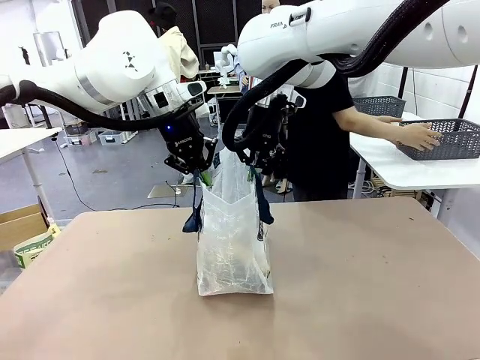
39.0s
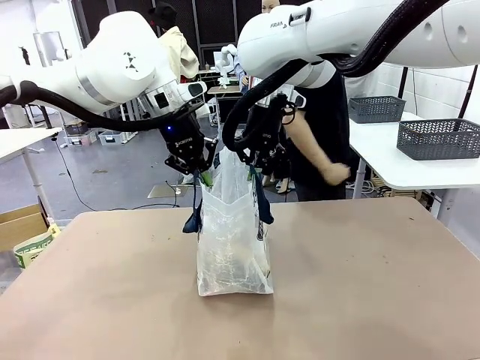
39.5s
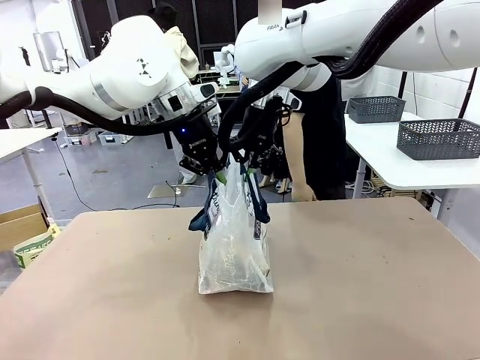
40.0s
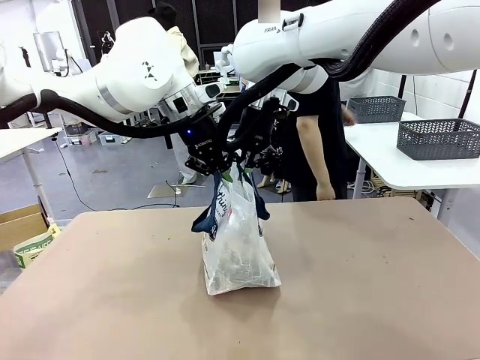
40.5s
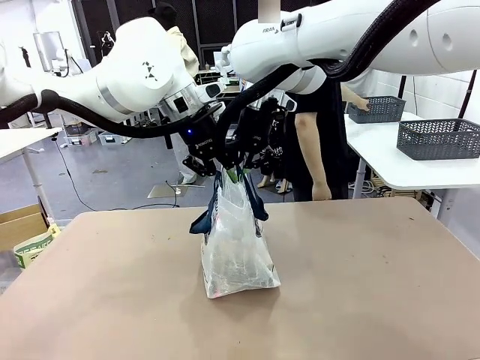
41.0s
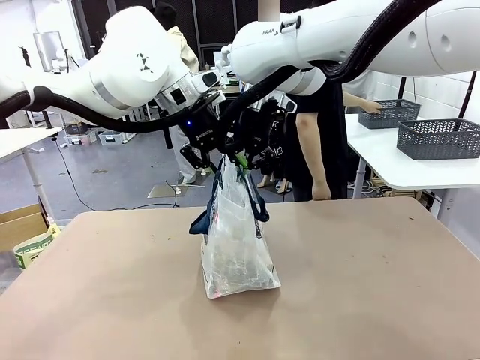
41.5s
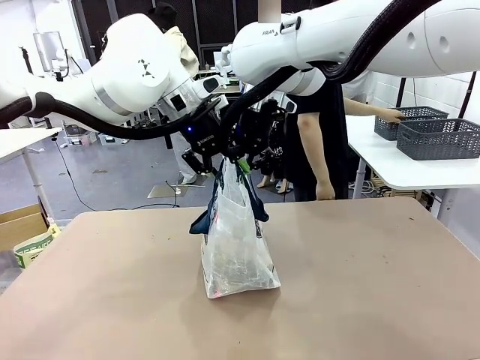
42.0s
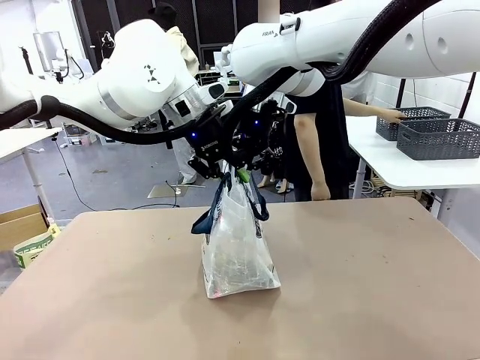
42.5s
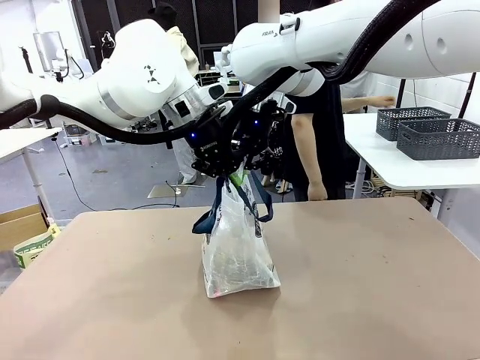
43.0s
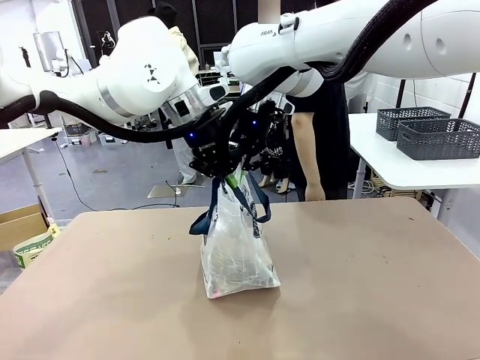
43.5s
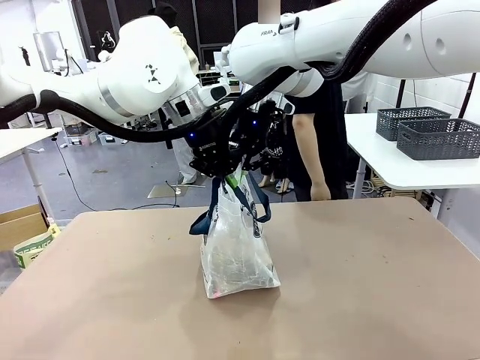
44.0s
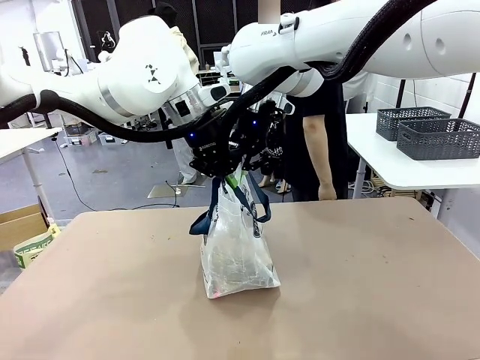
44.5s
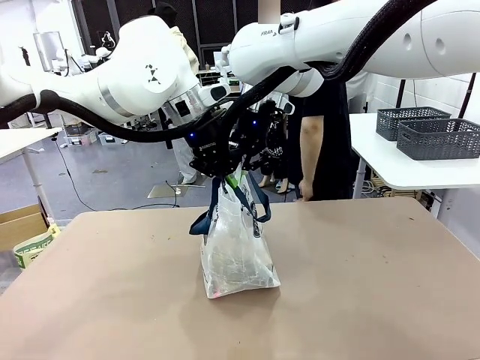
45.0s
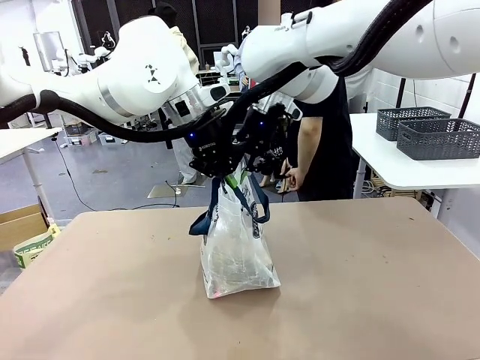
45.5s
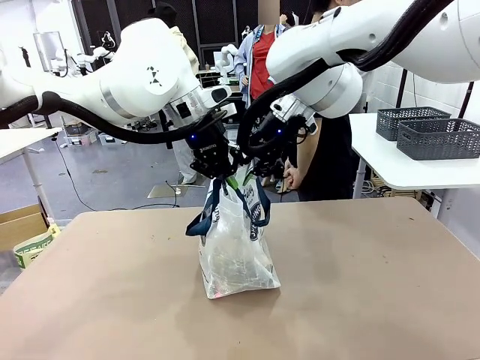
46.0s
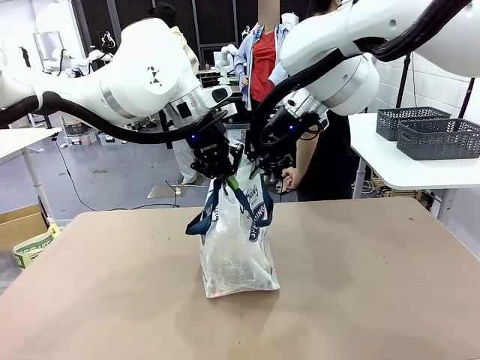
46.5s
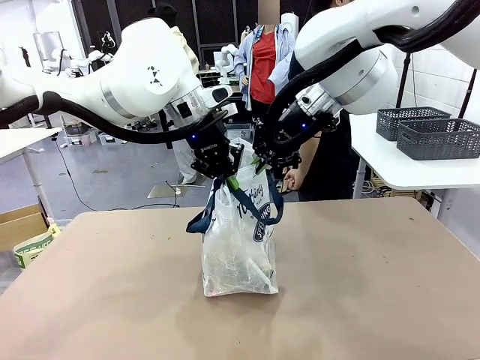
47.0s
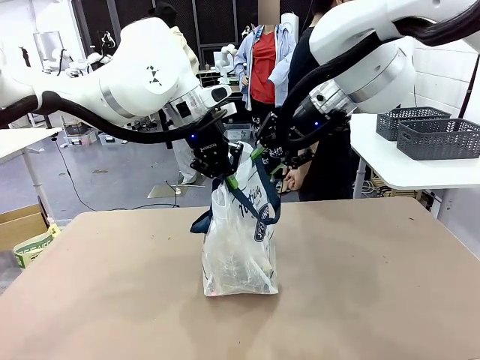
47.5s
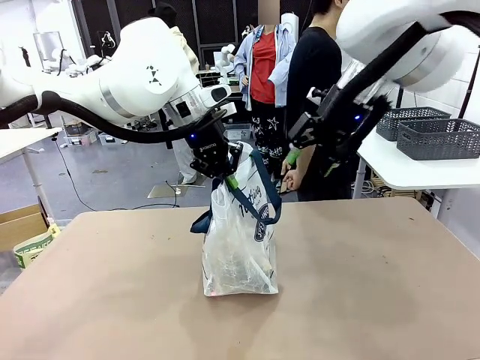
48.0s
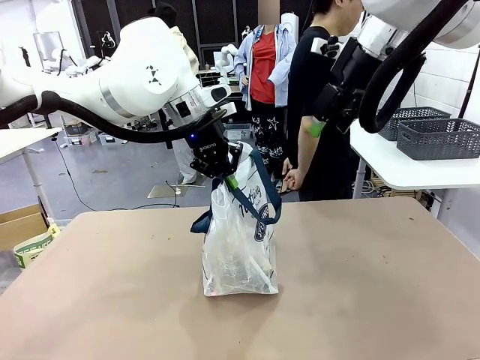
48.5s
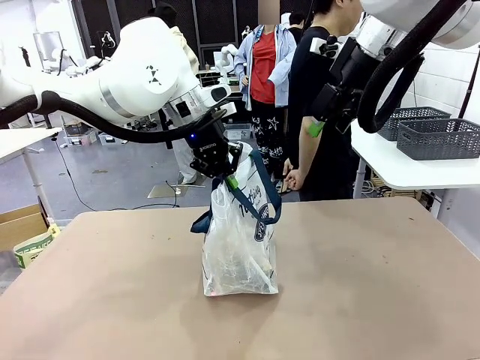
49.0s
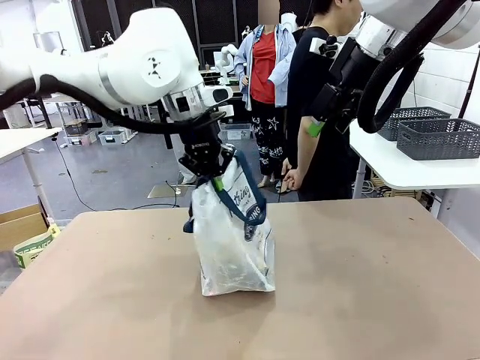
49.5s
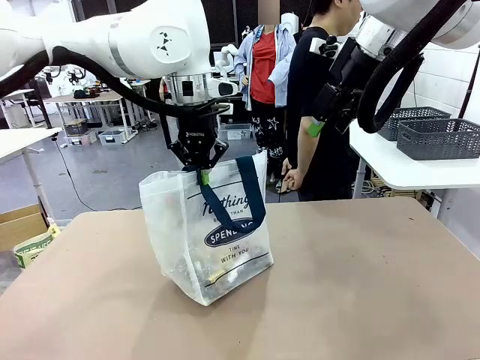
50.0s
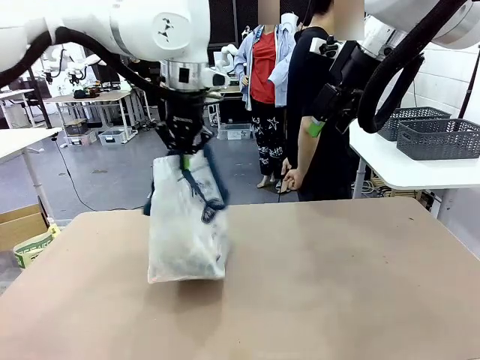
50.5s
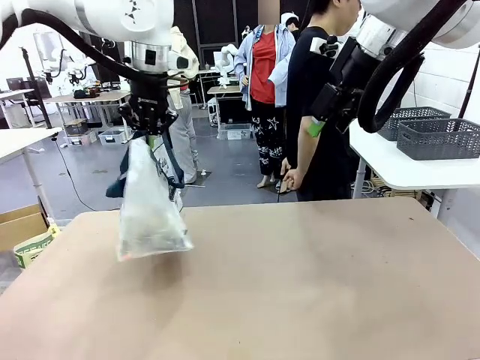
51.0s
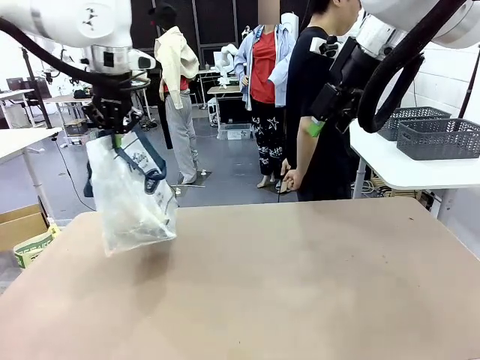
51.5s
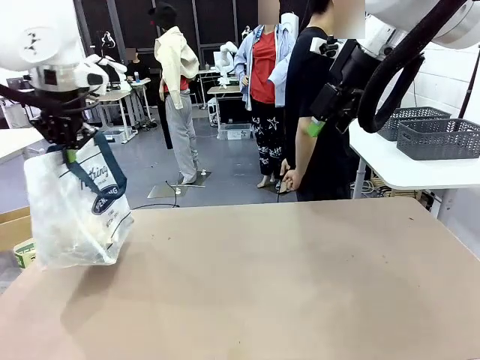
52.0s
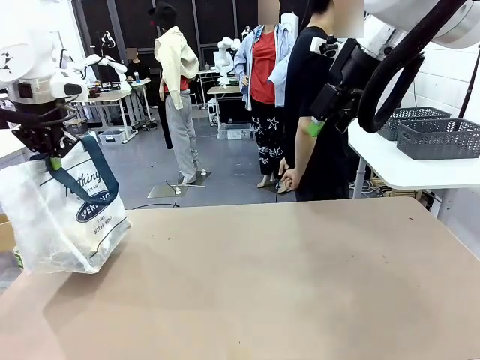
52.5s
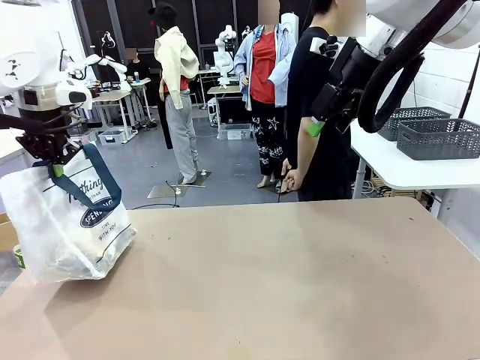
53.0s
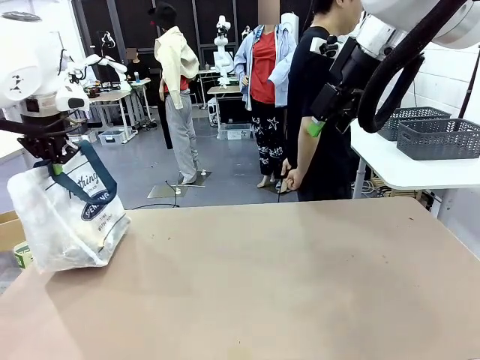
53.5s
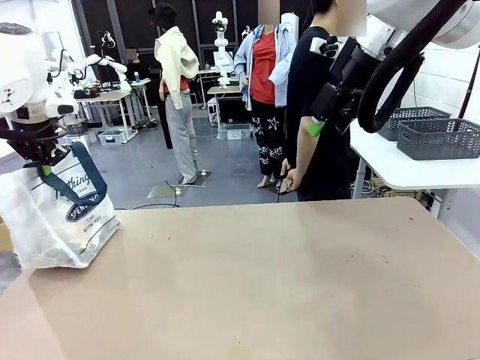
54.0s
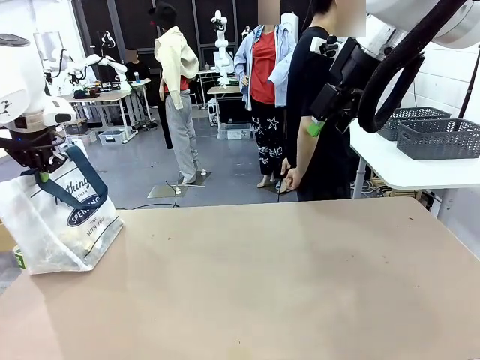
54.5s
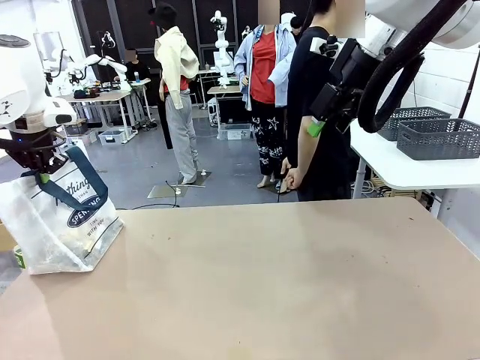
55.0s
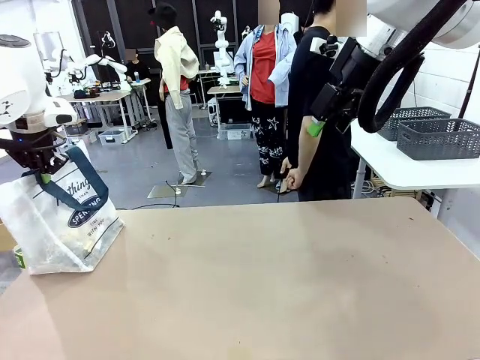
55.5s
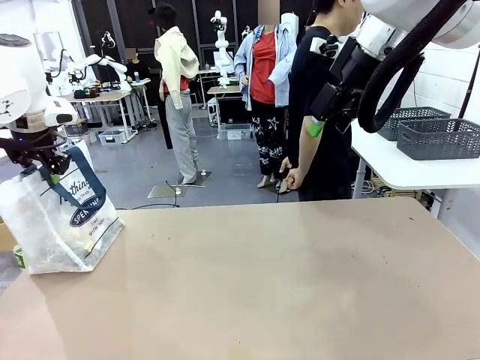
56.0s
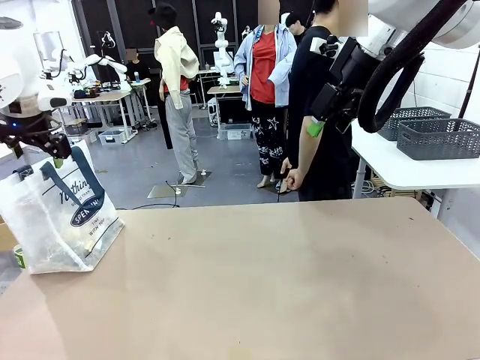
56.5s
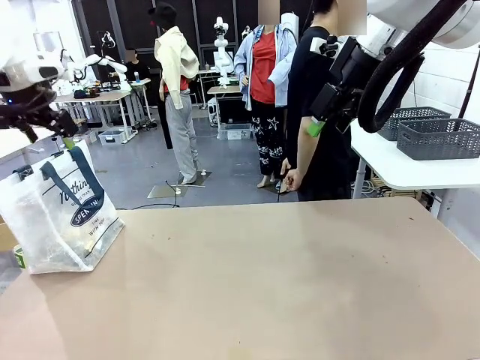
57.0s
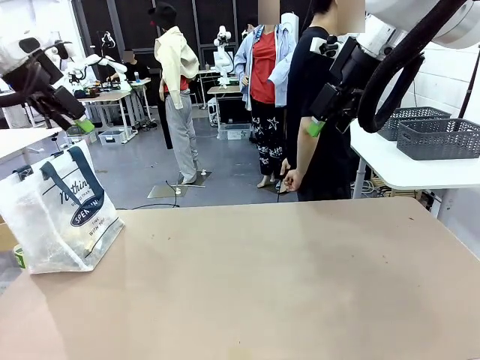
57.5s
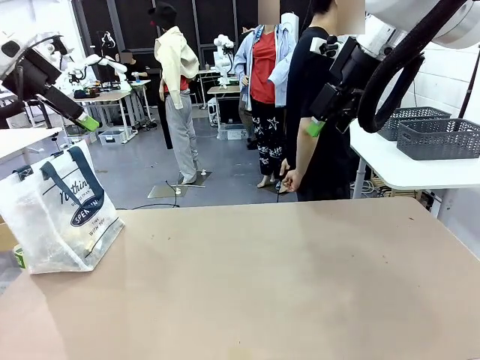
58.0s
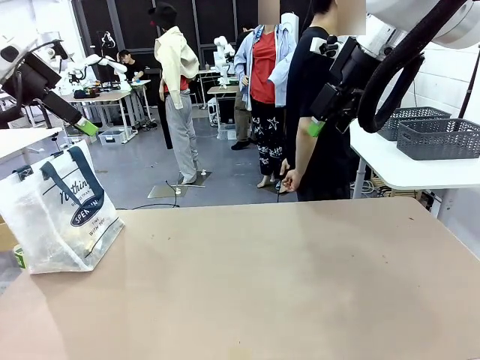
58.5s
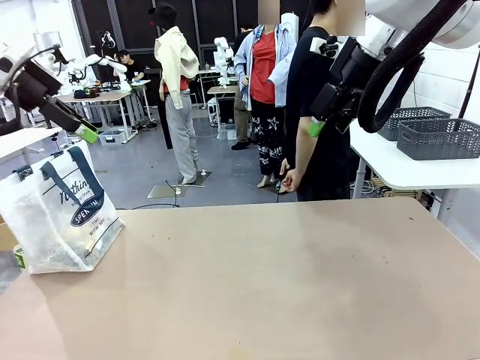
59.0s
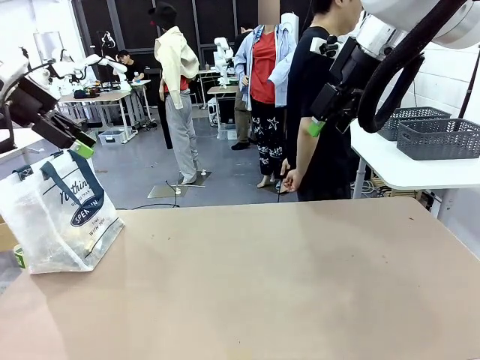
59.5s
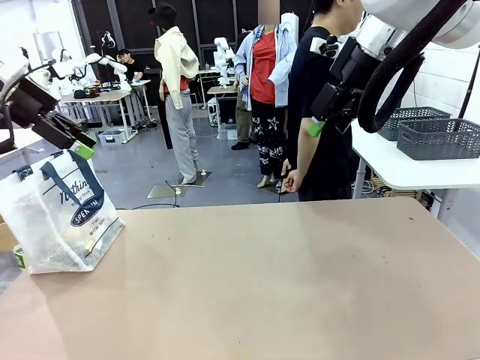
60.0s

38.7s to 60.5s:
Task: Transfer purchased items from the store into the shopping bag.
Robot: Move the Reusable shopping bag to the right side of the table.
Person: Move the basket on the left to the middle of the person's table.

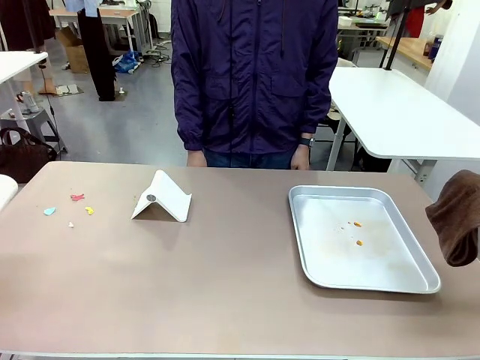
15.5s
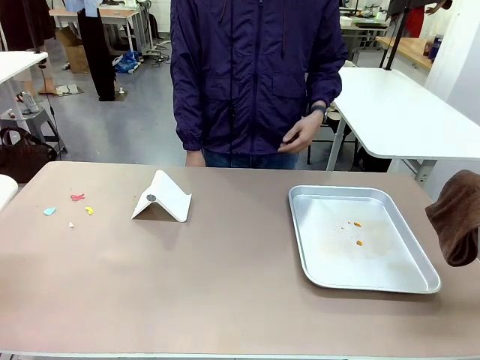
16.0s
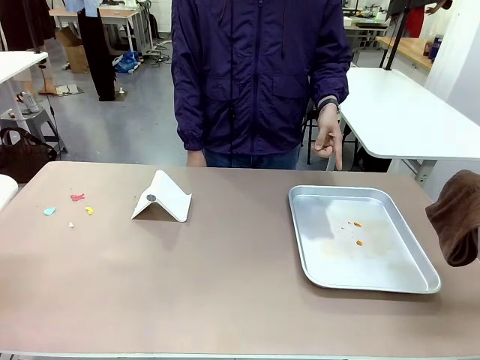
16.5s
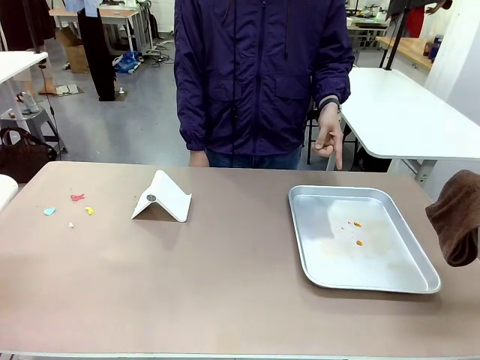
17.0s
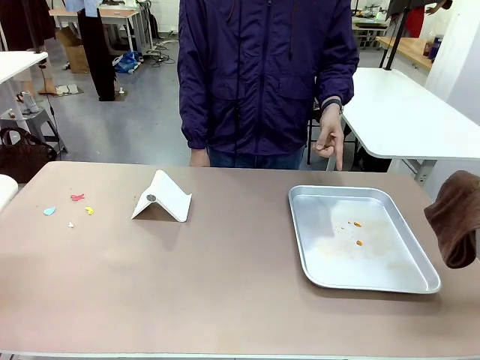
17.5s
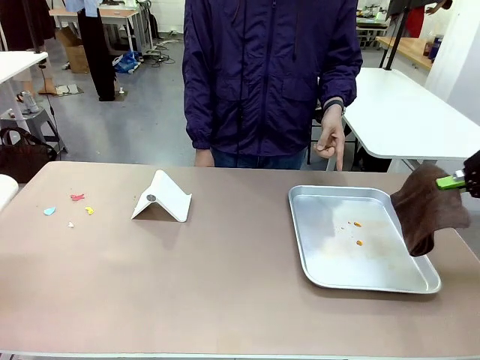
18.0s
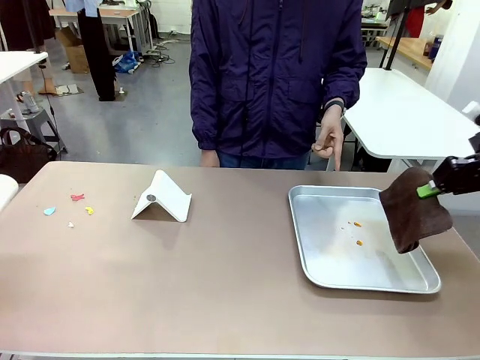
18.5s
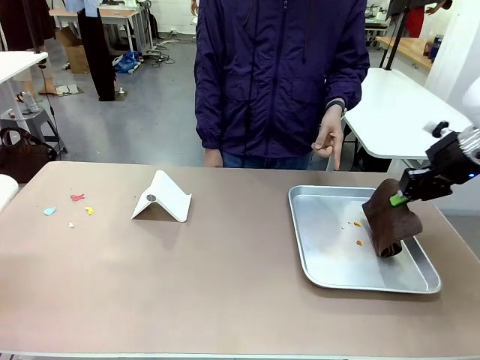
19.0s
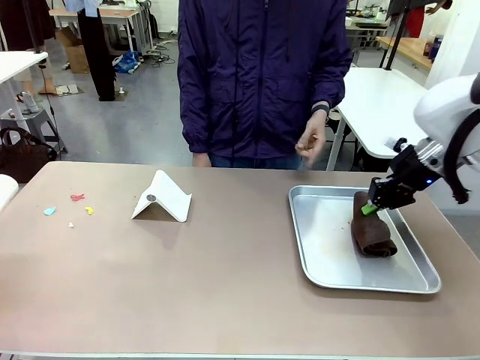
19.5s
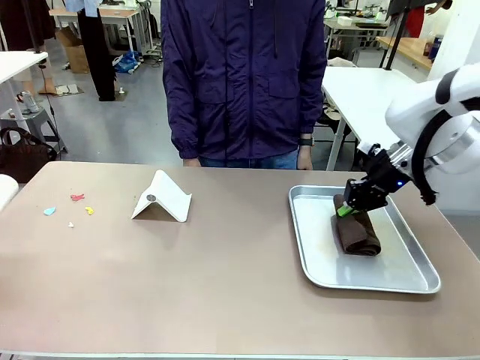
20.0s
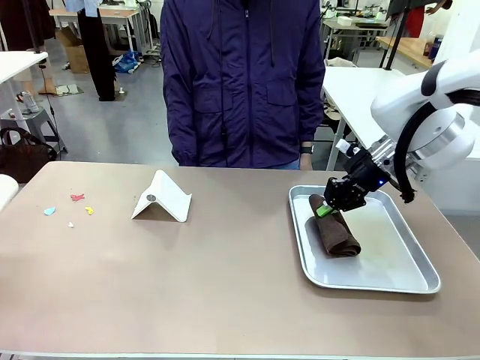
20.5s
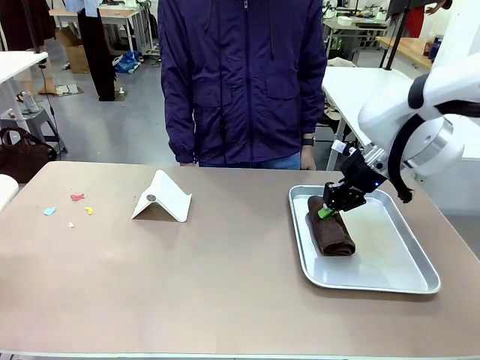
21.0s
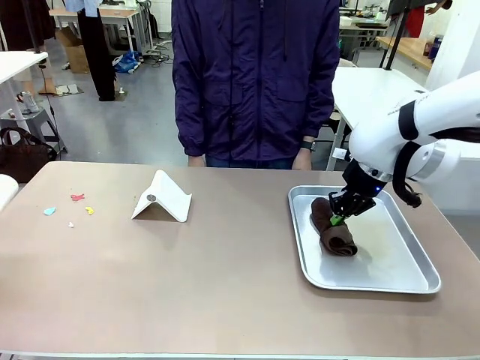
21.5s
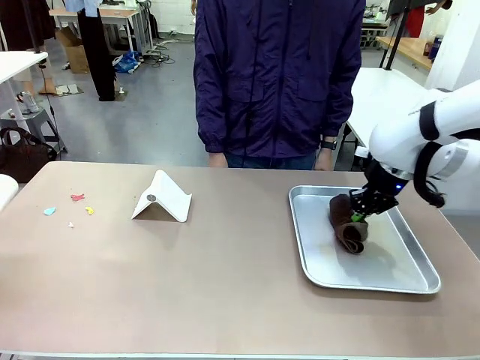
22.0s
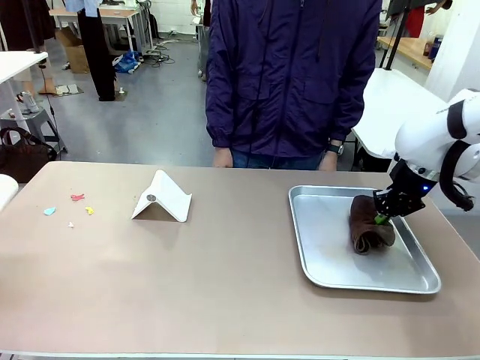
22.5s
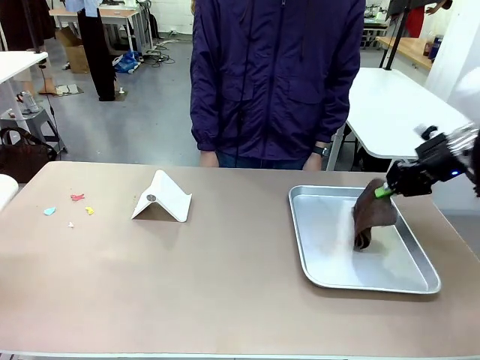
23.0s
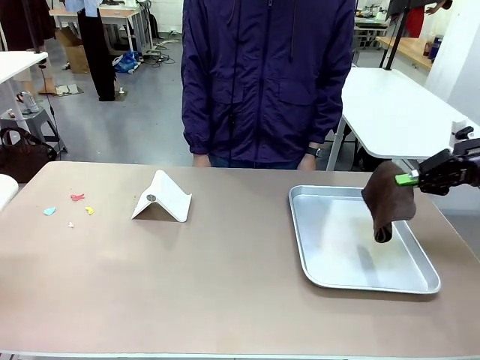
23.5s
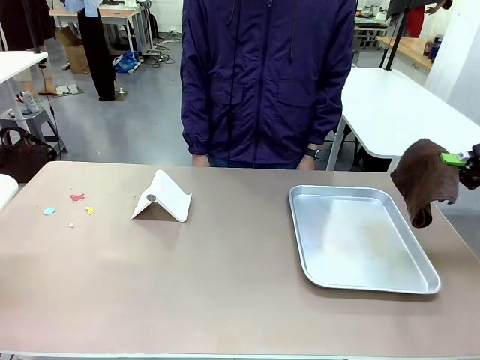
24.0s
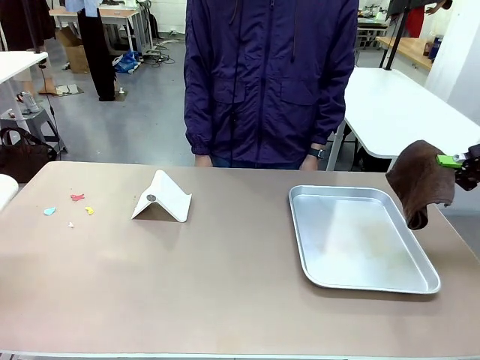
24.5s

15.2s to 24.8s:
Task: Clean the surface of the table.
Robot: If a person points to the right, clean the right side of the table with your right hand, and if they point to the left, clean the left side with your left hand.
